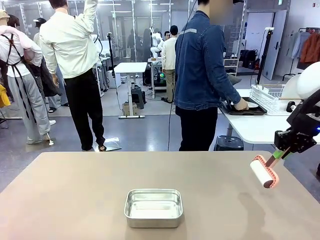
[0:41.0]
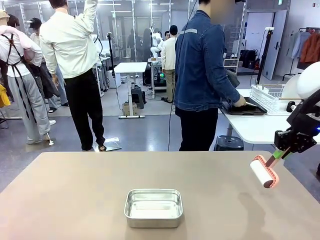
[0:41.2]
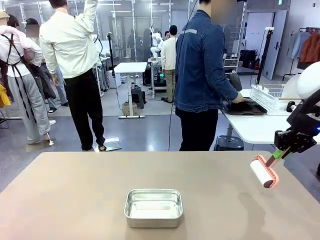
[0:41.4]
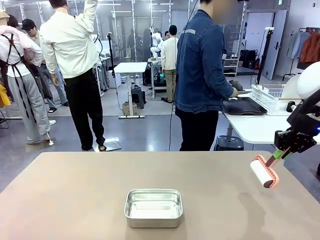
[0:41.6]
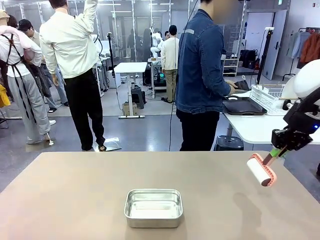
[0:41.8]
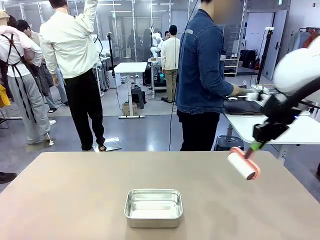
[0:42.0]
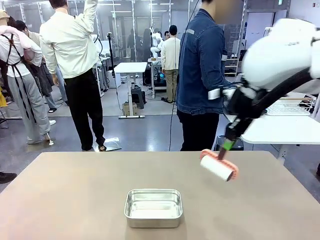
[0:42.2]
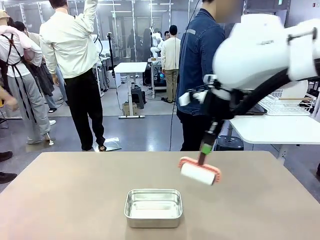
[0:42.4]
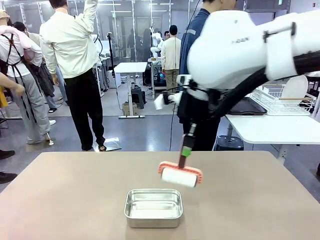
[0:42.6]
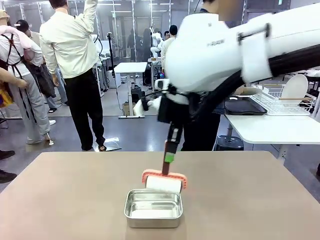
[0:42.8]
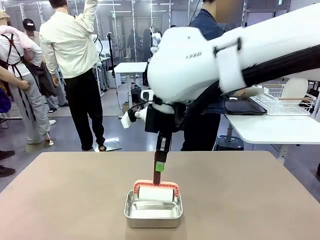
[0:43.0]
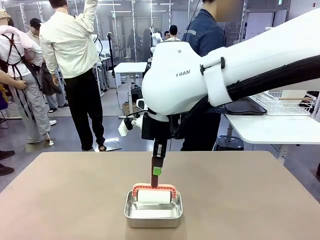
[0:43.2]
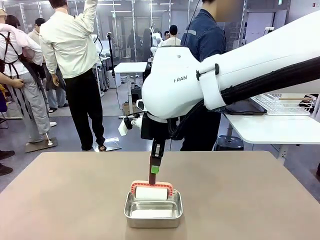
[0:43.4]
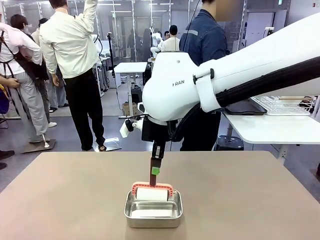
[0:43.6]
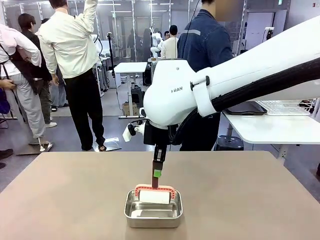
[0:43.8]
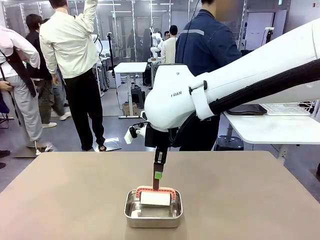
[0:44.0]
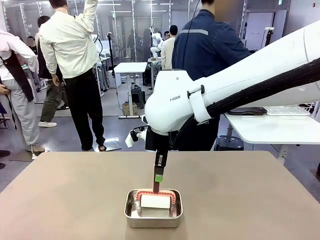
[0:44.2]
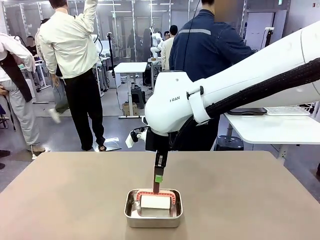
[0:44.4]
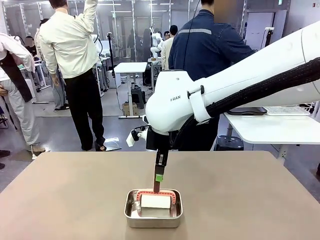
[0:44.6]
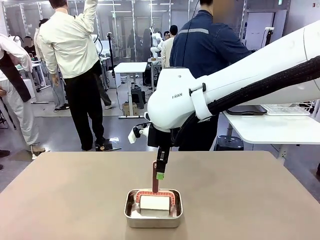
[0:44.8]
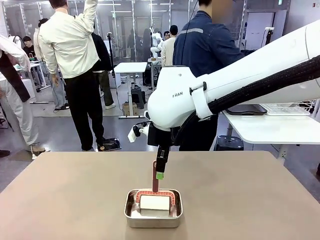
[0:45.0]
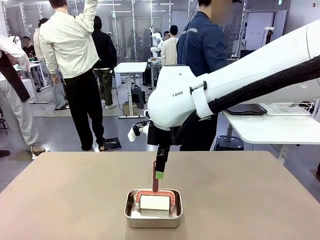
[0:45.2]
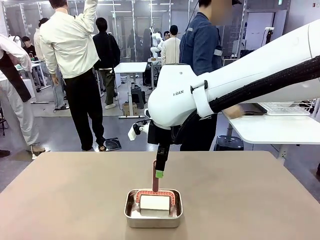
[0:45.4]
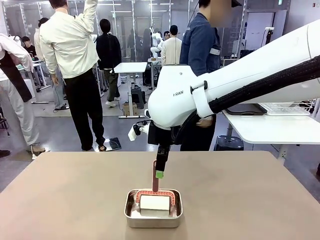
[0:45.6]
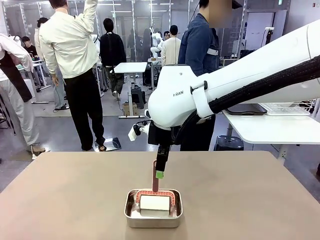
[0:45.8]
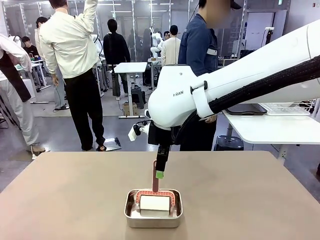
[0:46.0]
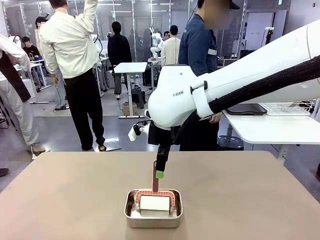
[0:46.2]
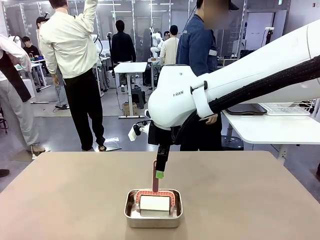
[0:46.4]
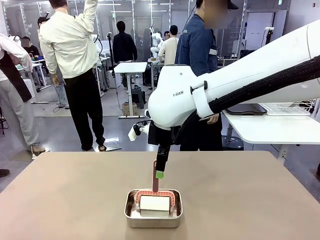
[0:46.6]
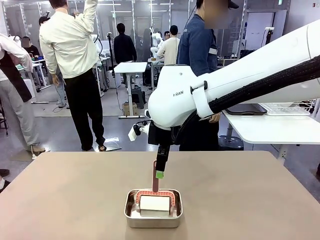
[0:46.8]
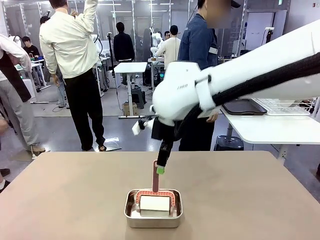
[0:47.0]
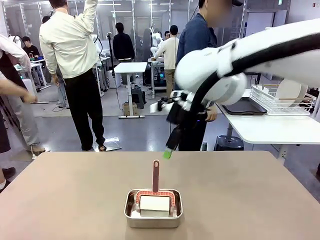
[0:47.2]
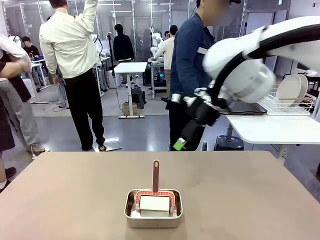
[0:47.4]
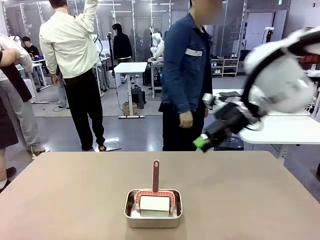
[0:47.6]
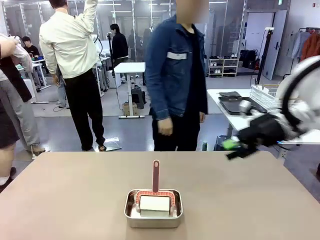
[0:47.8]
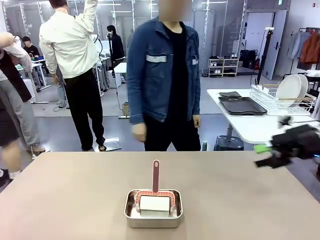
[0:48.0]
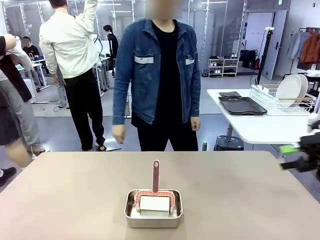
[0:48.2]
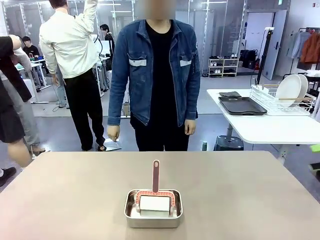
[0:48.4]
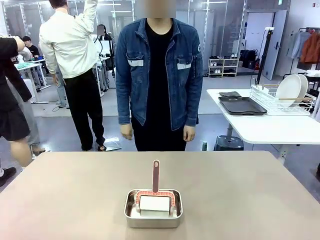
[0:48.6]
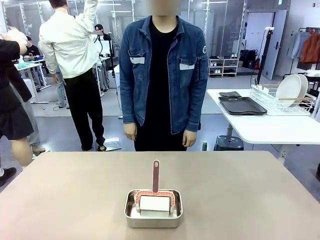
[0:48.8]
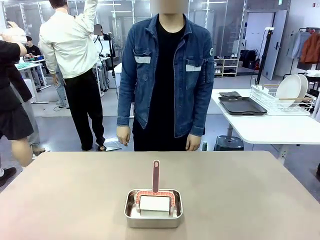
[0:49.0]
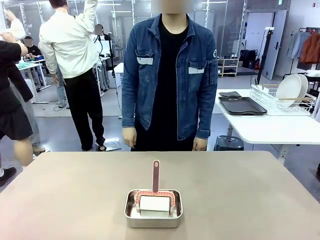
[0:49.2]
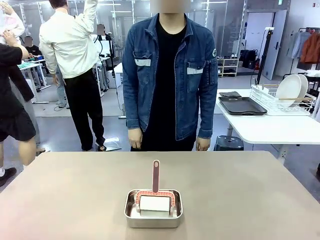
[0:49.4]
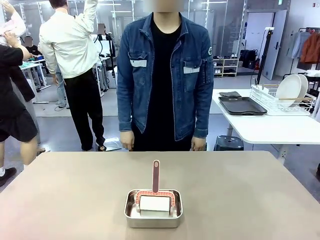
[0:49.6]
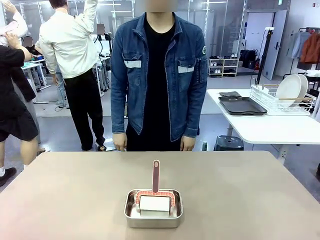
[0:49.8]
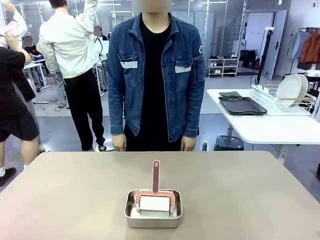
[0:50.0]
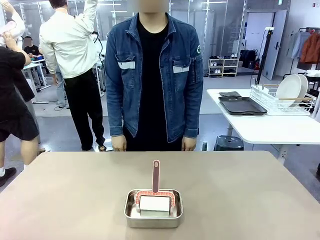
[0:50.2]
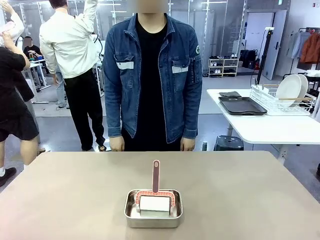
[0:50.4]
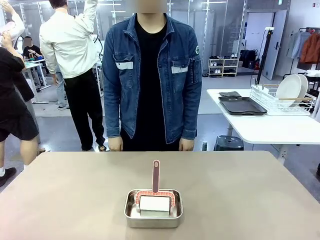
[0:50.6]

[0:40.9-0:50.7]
Robot: Place the Lint Roller back on top of the Airtight Container.

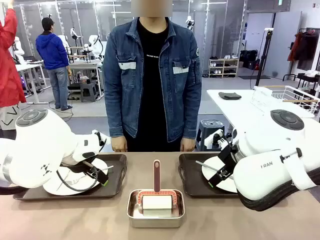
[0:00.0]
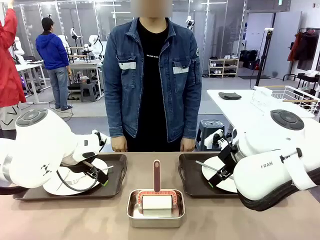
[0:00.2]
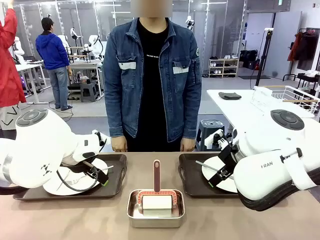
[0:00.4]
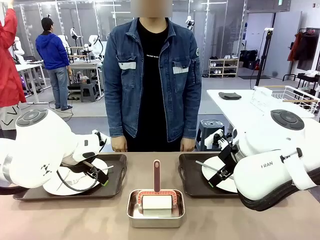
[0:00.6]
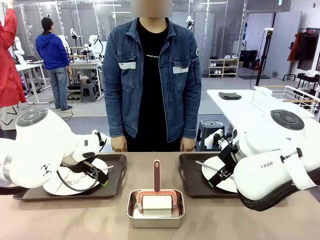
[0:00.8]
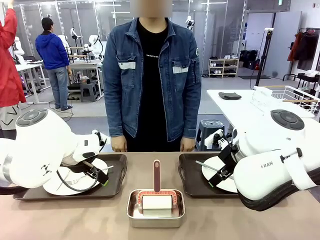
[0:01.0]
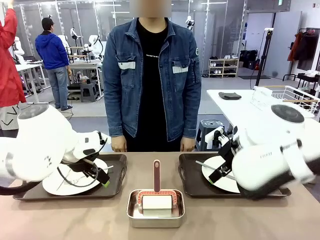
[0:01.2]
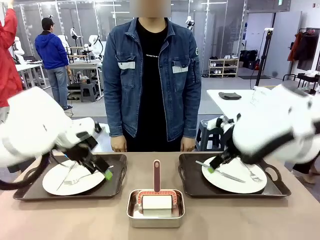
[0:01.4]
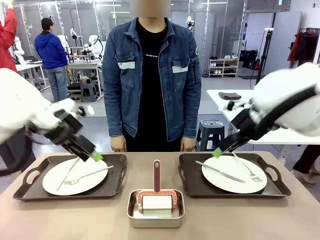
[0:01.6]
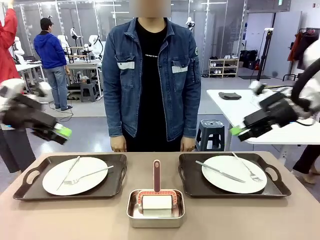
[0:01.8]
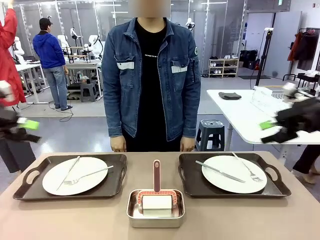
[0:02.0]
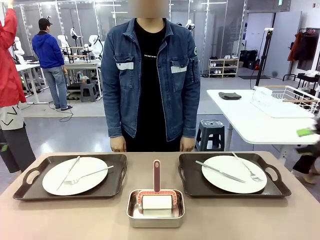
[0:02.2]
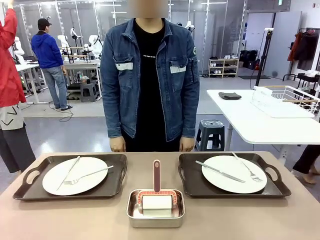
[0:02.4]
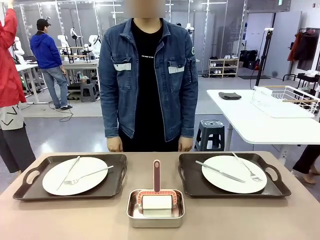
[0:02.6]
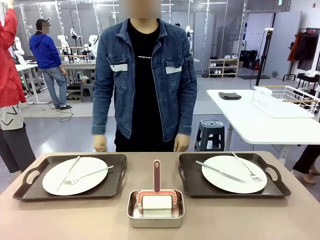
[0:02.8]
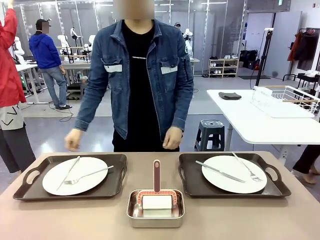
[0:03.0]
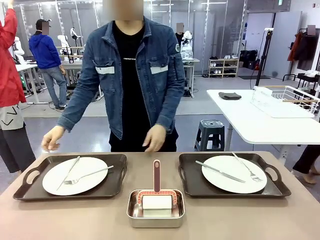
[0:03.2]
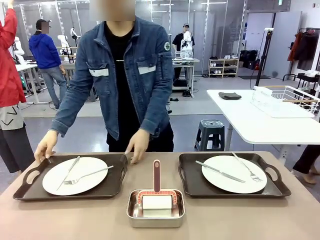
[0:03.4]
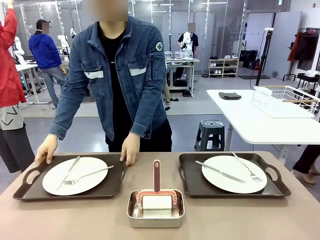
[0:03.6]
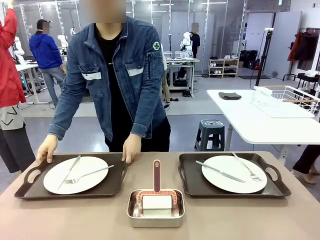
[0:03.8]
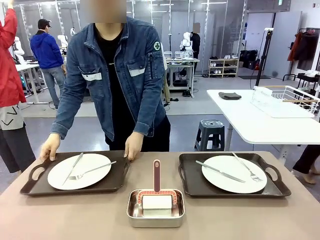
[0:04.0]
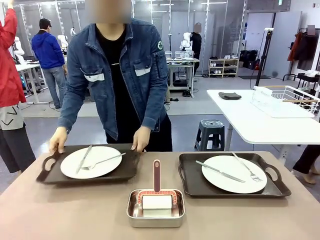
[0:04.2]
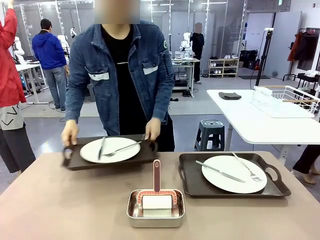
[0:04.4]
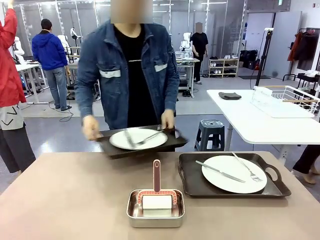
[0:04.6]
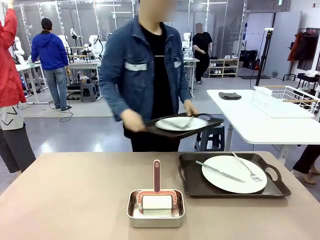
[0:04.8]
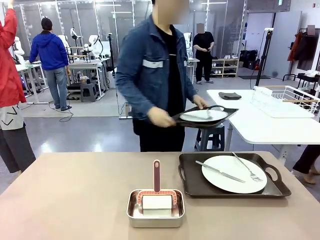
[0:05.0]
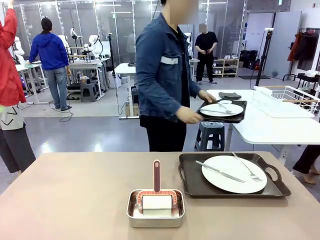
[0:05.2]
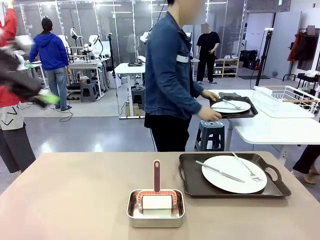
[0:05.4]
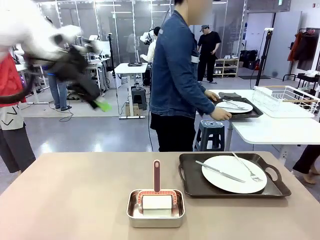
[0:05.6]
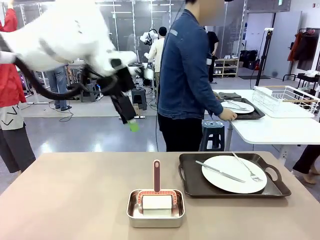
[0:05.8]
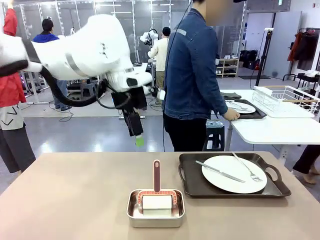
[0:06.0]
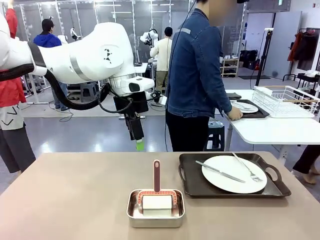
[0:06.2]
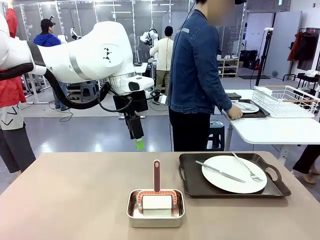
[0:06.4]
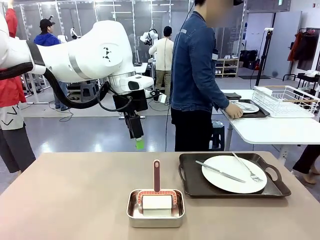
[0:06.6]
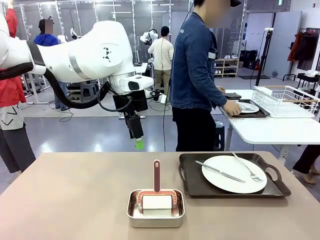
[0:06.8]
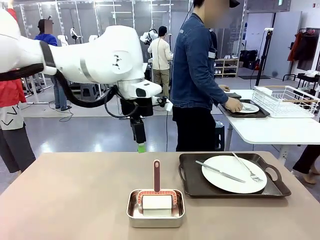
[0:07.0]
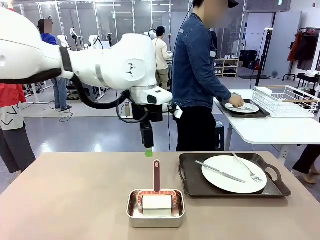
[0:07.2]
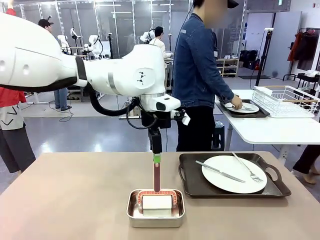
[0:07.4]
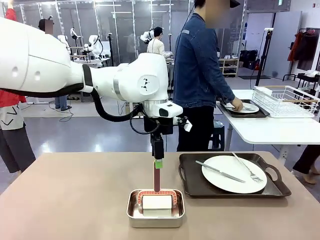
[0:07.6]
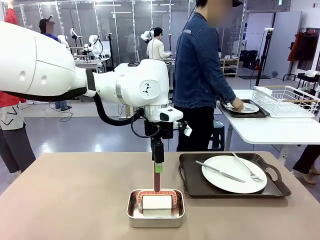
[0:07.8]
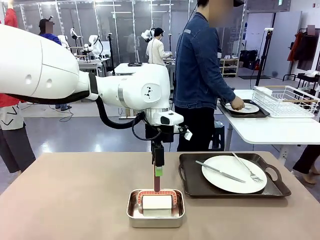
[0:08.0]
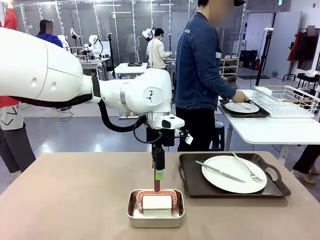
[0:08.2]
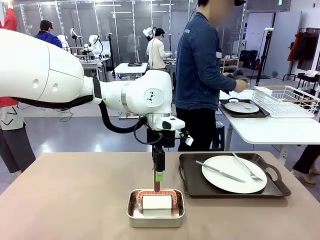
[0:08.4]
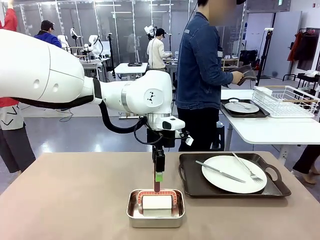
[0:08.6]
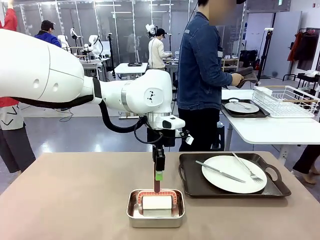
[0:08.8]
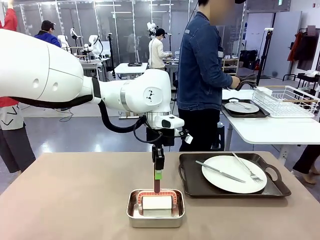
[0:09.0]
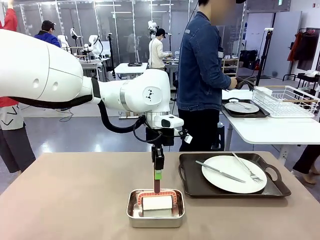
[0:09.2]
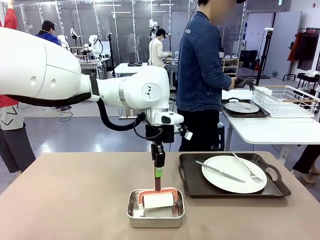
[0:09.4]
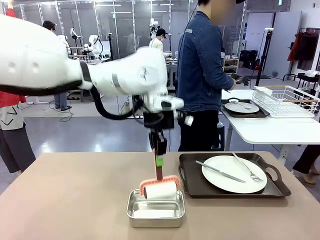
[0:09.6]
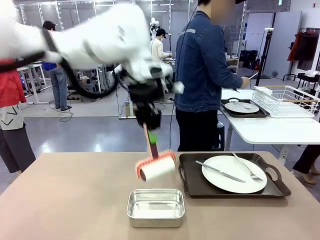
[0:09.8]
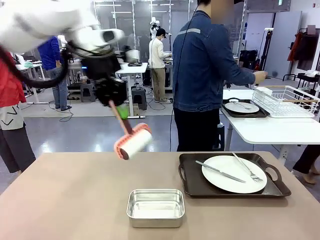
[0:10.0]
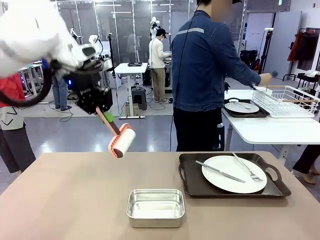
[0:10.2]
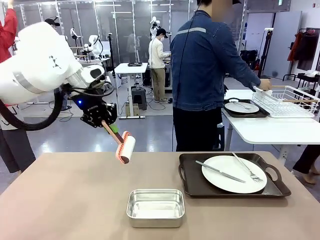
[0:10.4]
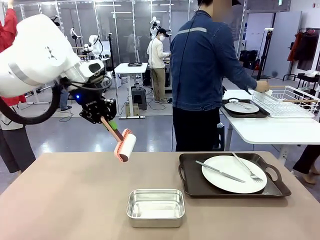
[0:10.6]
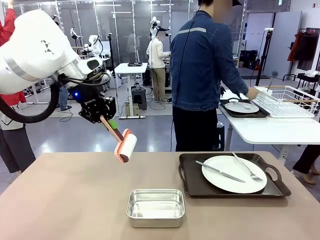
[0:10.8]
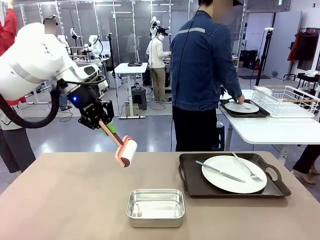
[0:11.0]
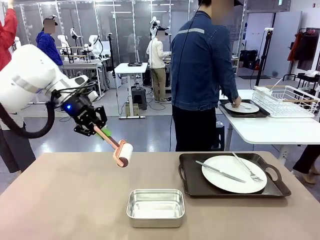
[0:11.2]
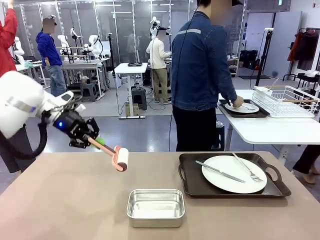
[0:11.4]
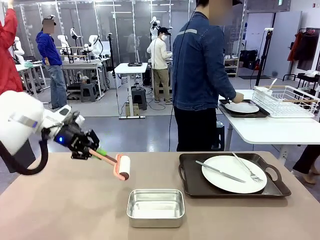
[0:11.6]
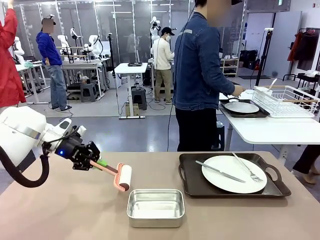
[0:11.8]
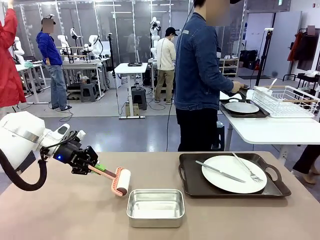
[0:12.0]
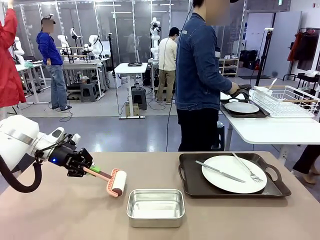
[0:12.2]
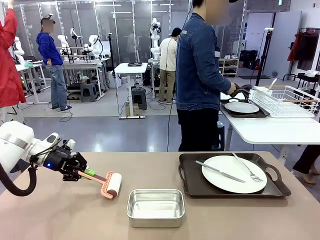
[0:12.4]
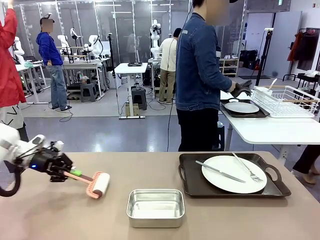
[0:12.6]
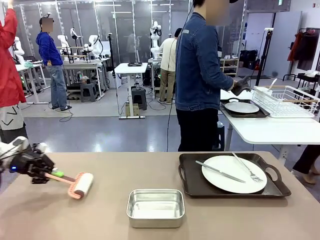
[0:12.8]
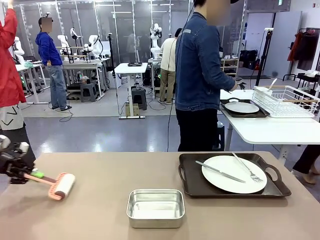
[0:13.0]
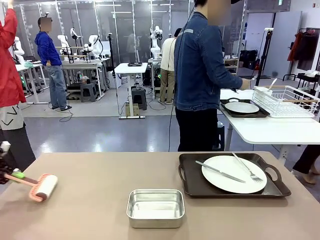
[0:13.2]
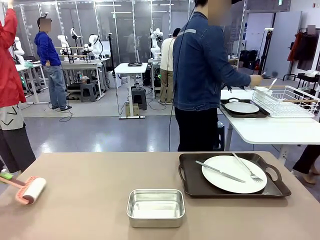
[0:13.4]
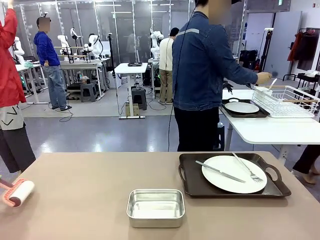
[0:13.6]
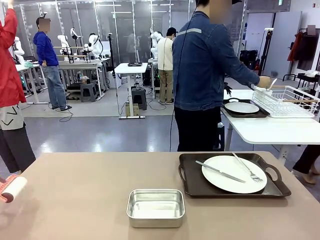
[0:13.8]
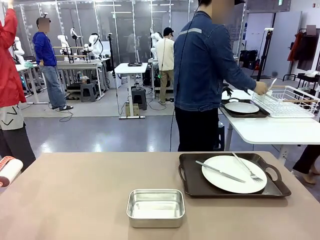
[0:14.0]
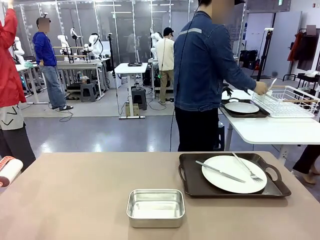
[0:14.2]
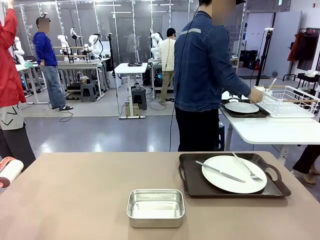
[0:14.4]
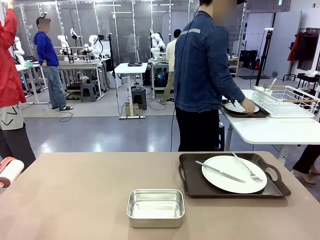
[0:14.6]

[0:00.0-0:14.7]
Robot: When the left (or right) Handle tray is removed, use the left hand (or right hand) to clean the left (or right) side of the table with the Lint Roller.
Person: Pick up the left (or right) Handle tray and place it on the middle of the Human's table. Use the Towel with hook to wipe the Plastic Matte Plate , Fork , and Knife and place into the Dish drying rack.
